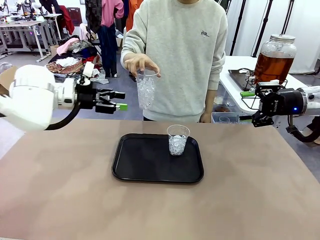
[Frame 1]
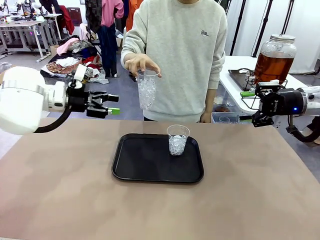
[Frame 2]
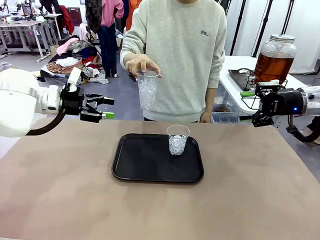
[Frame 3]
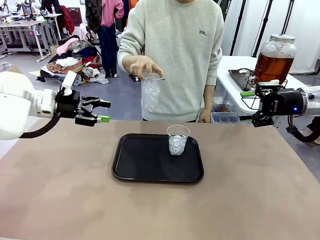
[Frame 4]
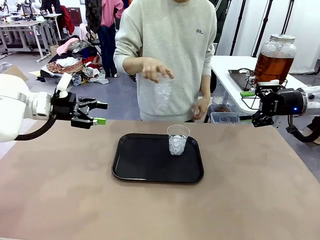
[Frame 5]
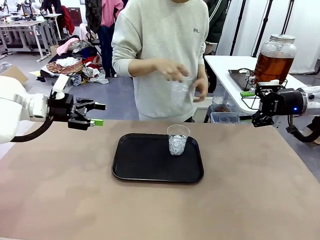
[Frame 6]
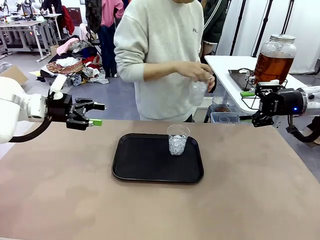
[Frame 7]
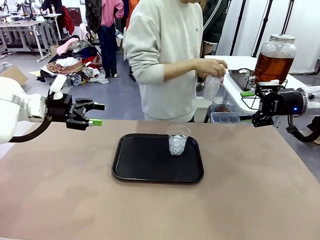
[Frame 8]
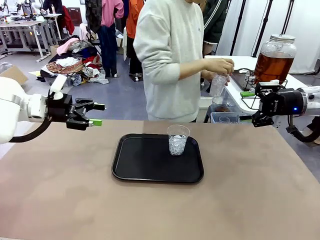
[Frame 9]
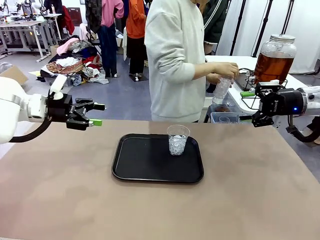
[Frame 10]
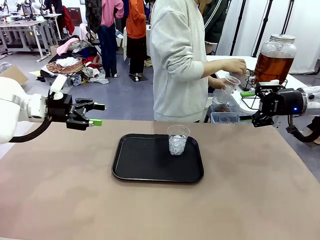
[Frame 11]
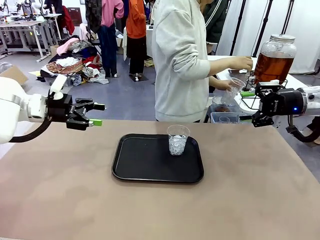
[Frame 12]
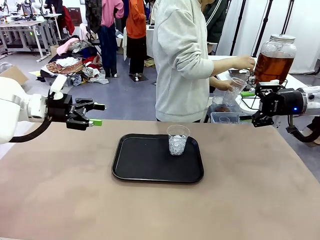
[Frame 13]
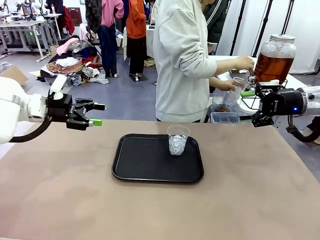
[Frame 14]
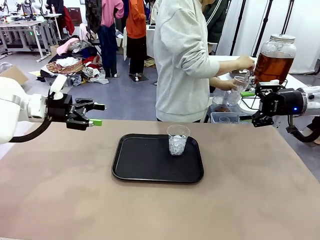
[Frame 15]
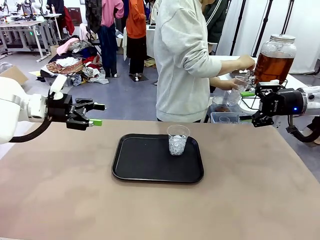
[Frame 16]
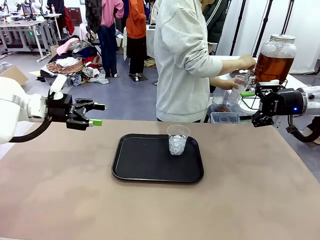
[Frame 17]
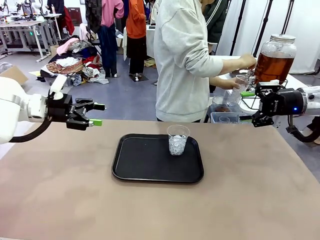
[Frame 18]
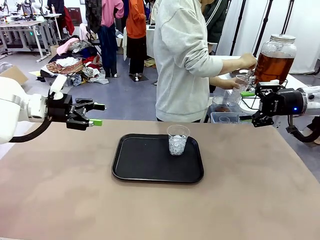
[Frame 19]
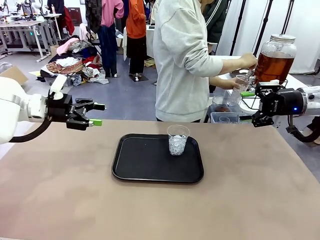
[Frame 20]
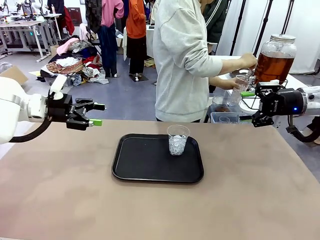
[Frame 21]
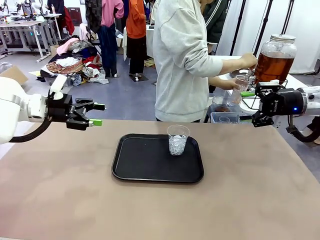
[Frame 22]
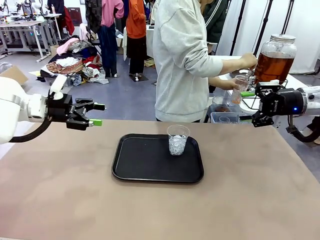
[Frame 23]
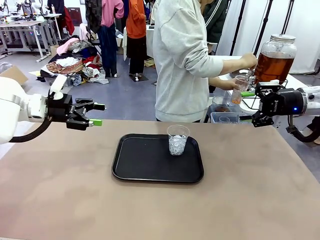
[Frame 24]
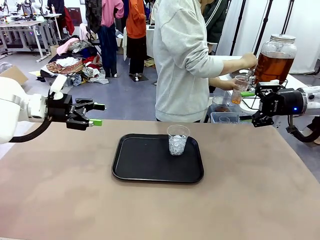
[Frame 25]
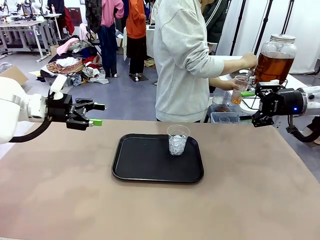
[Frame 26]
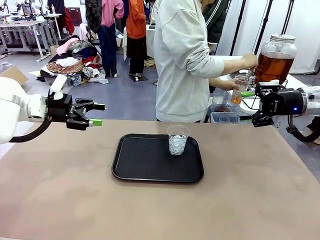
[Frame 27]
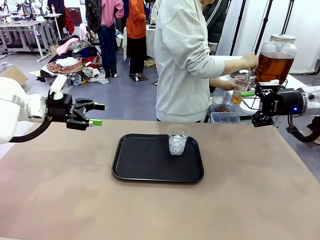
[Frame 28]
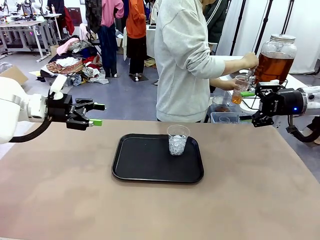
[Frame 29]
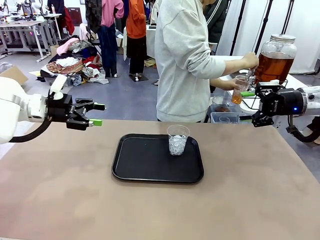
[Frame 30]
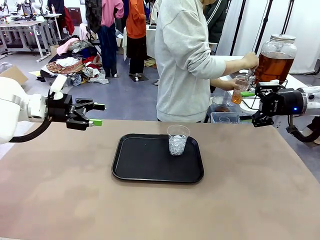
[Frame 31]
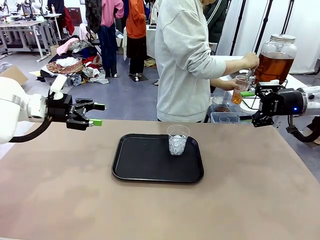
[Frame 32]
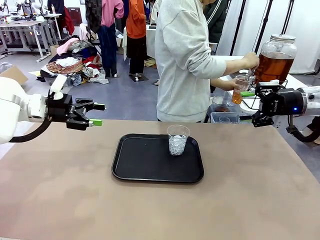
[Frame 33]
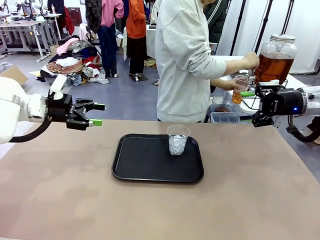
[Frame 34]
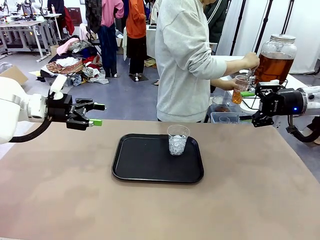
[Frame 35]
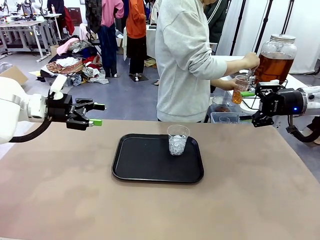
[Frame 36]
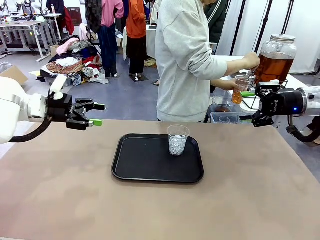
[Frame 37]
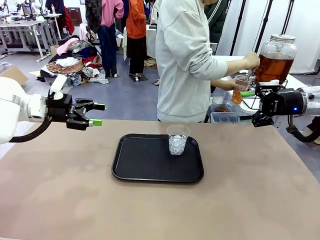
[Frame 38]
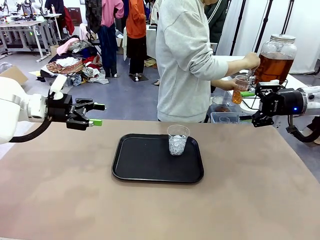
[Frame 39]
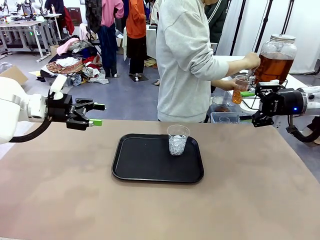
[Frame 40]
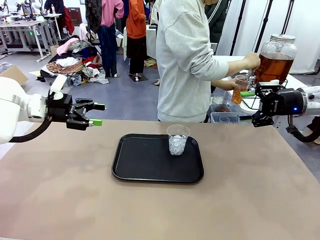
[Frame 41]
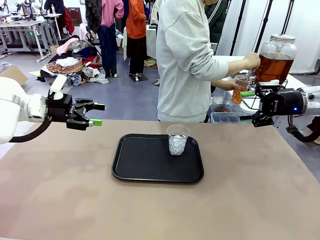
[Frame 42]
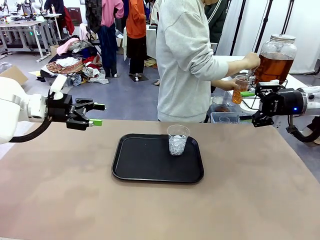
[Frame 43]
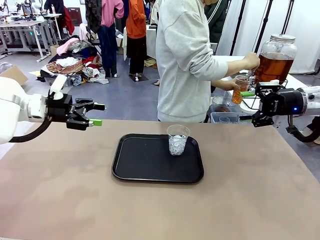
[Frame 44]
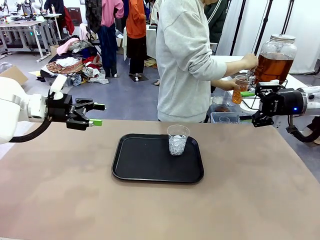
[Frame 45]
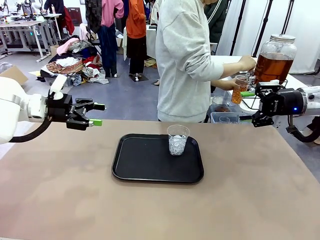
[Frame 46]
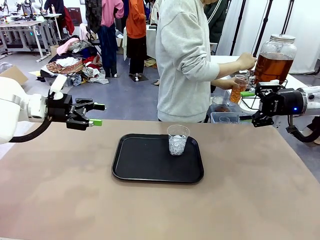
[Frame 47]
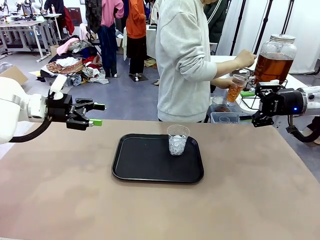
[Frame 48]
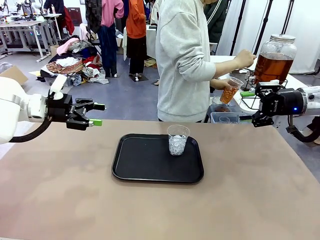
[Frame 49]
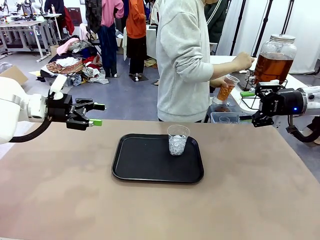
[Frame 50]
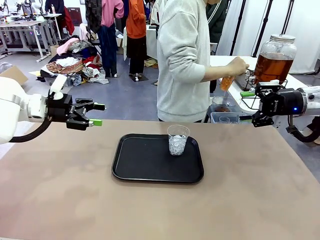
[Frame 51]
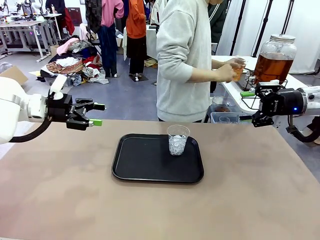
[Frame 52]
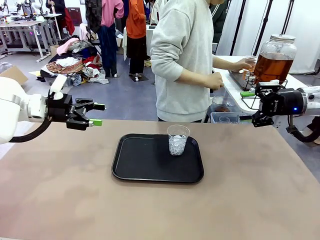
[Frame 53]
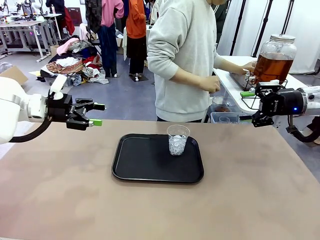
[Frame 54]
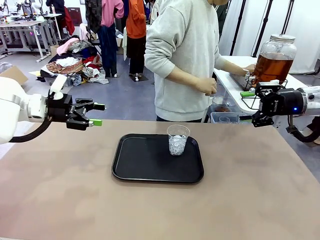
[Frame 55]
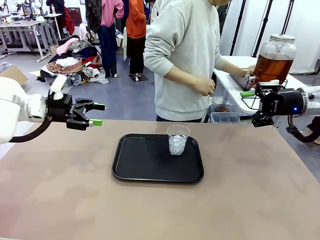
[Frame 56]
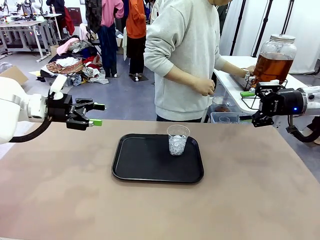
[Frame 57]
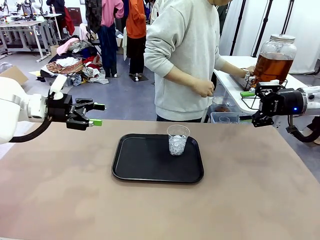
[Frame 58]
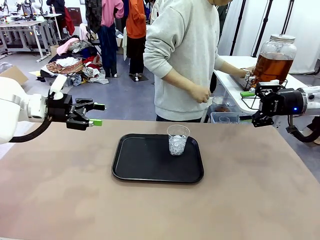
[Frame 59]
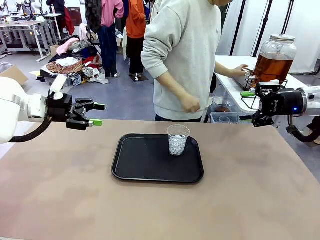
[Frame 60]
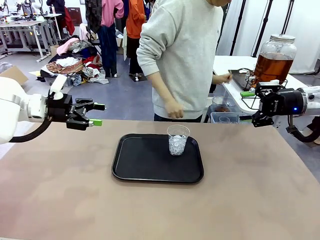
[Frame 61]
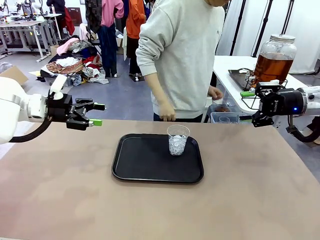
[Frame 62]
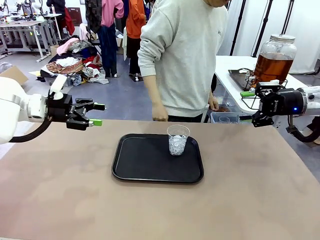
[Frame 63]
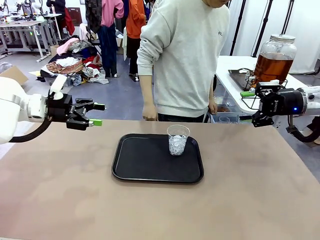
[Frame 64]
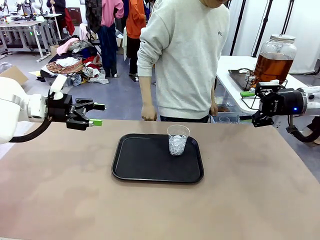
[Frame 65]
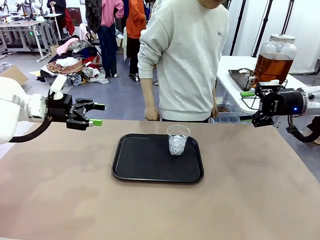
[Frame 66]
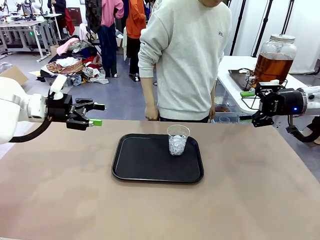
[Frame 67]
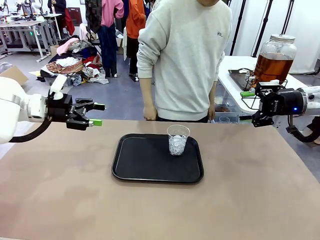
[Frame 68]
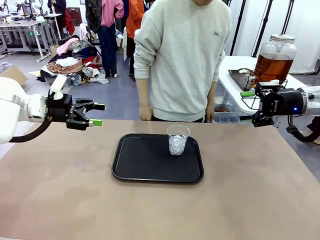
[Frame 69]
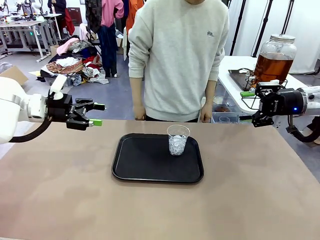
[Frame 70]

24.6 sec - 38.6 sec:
Task: Pour the drink into the iced cup.
Robot: Pick up the iced cup indicated by the human and present it to them.
Person: Move the picked-up cup under the dispenser faucet, pour the drink, and place it on the tray on the human table. Point to the remaining ice cup on the robot table.

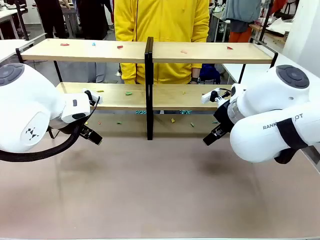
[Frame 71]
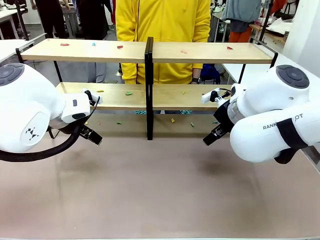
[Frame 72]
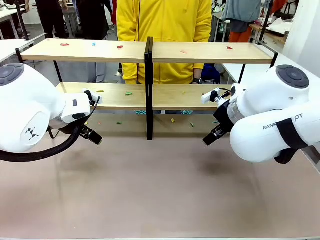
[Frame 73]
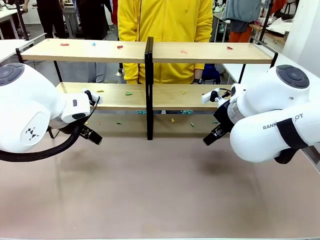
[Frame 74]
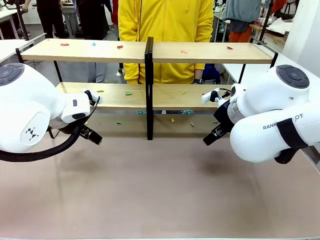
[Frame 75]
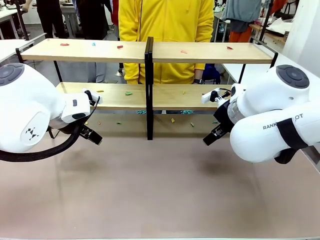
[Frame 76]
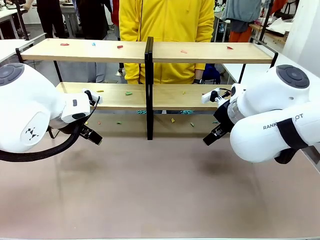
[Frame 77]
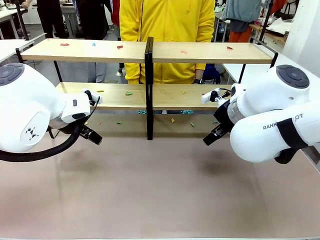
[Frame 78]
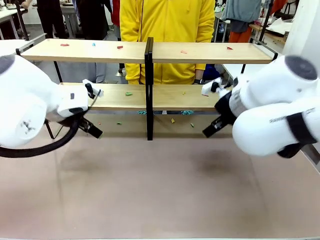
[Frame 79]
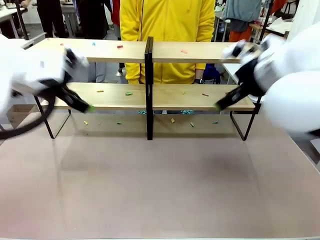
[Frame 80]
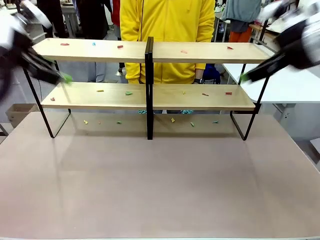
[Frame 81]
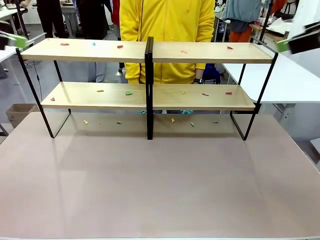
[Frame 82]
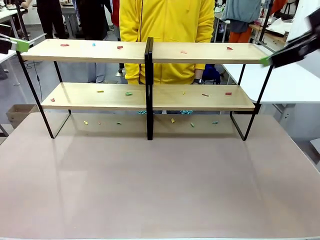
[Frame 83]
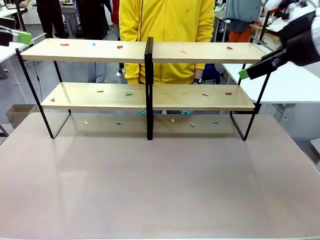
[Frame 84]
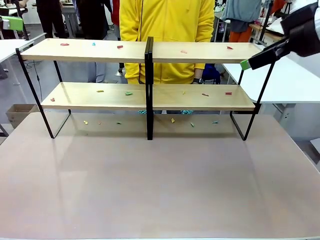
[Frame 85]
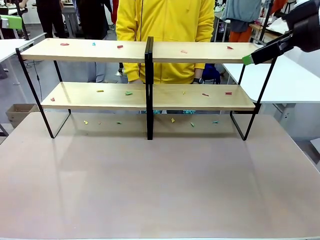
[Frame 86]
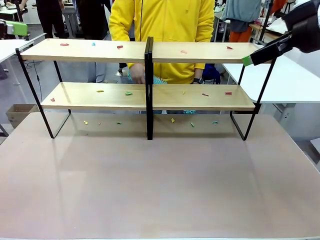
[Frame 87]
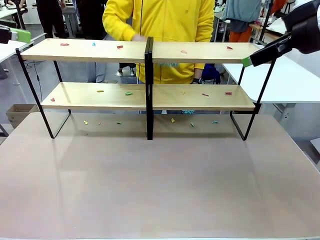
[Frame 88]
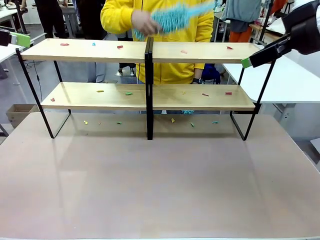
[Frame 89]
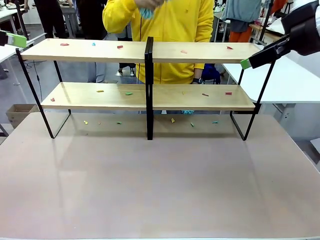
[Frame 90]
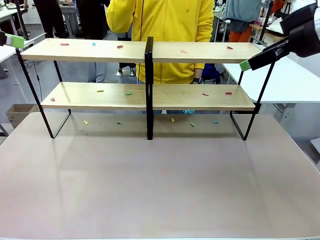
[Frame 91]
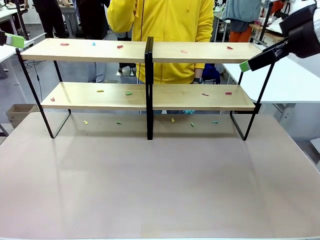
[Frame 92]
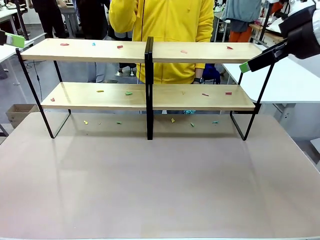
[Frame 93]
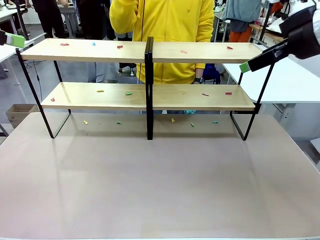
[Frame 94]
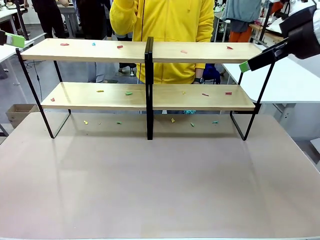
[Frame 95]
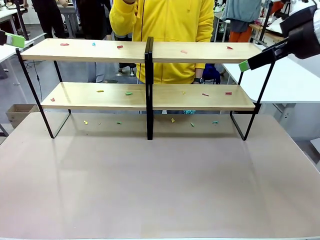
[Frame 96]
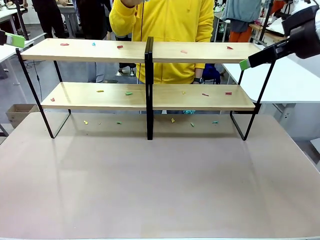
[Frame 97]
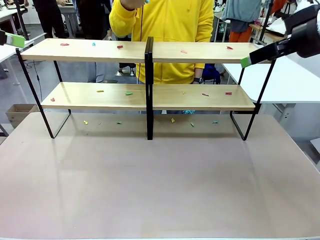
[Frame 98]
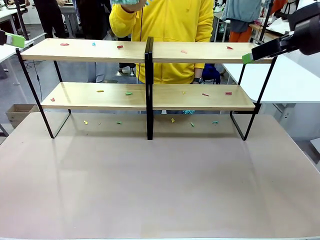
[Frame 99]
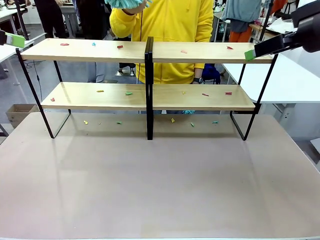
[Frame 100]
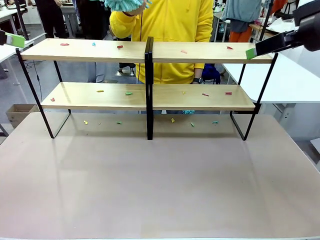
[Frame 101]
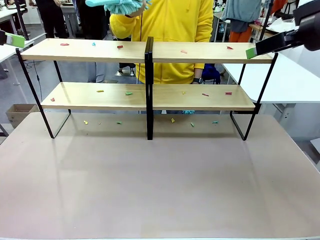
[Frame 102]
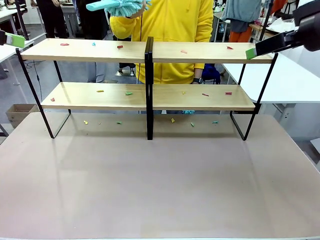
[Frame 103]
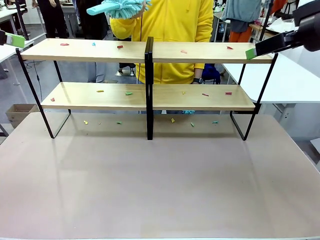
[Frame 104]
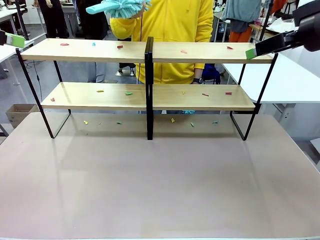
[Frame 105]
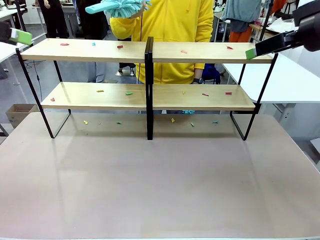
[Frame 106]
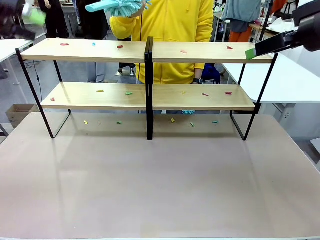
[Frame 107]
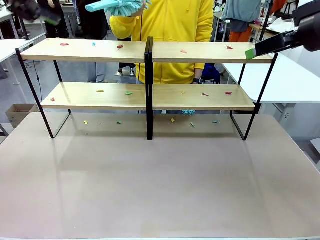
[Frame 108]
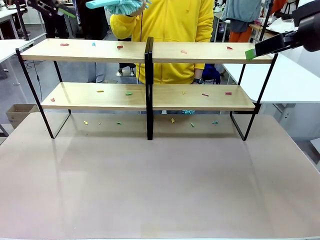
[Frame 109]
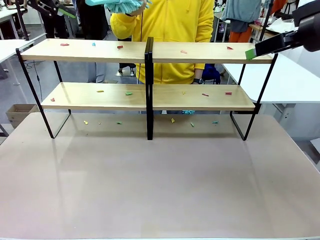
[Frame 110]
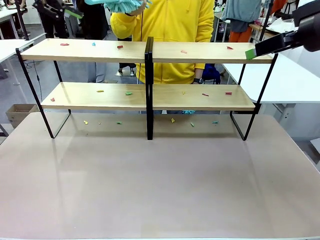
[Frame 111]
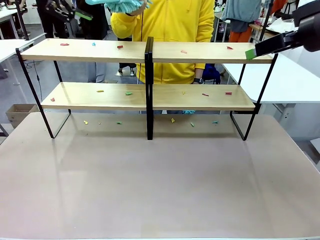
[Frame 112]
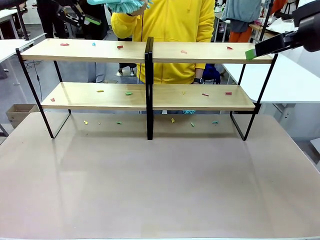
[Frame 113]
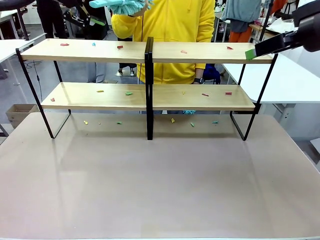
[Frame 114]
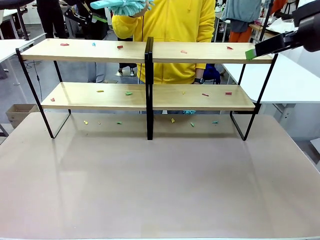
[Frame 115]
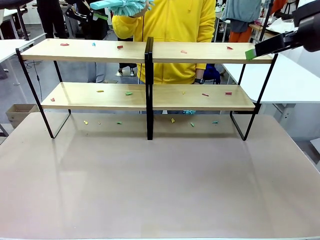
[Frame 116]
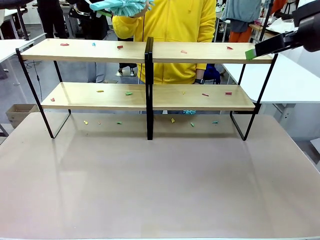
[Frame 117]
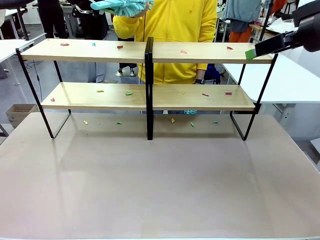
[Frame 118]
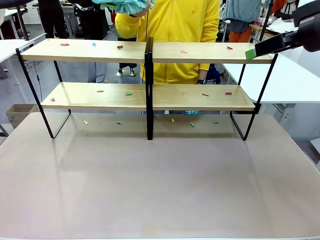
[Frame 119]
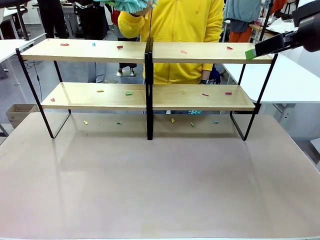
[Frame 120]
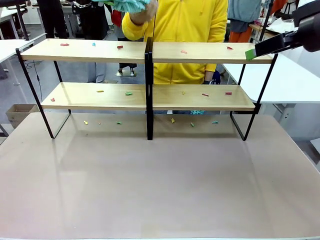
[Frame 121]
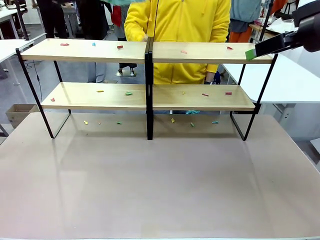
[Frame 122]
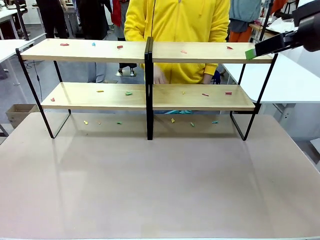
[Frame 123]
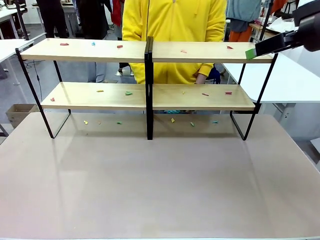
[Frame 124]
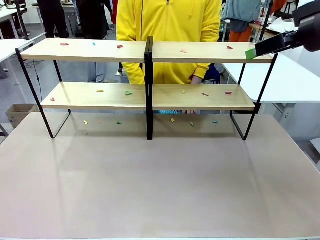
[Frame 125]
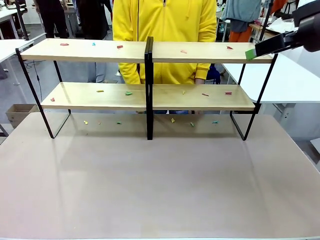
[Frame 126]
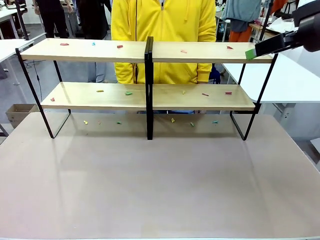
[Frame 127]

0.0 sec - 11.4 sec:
Task: Clean the shelves.
Robot: Pick up the Duster when the human hands it over.
Person: Hand the Duster to the robot with your right (or left) hand.
